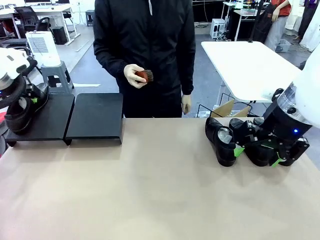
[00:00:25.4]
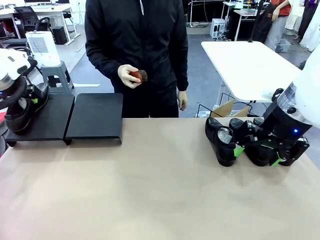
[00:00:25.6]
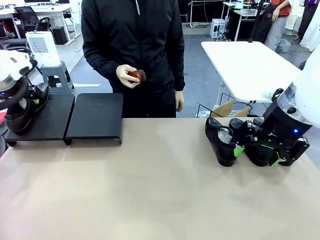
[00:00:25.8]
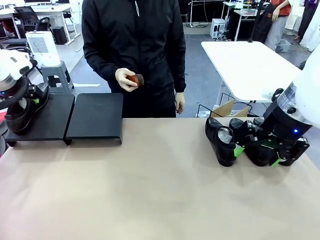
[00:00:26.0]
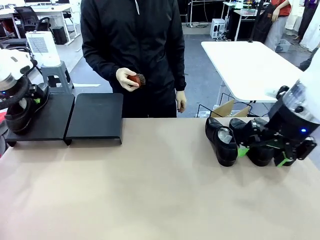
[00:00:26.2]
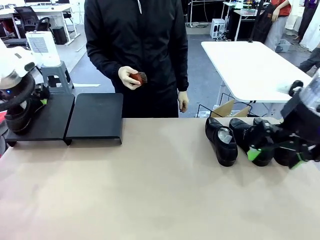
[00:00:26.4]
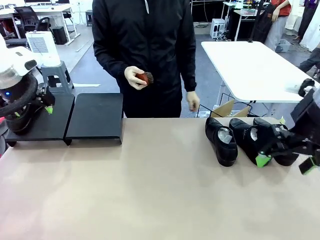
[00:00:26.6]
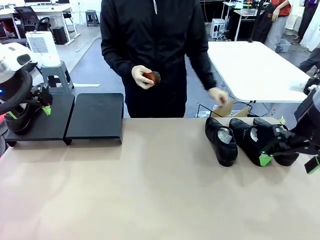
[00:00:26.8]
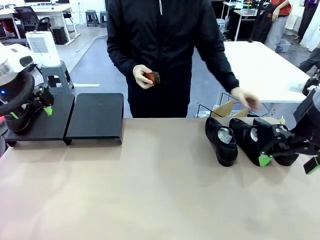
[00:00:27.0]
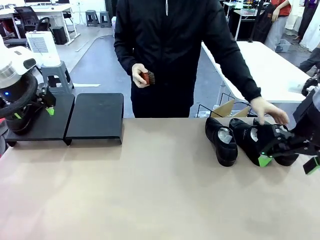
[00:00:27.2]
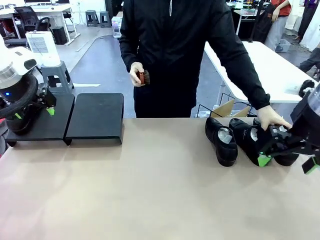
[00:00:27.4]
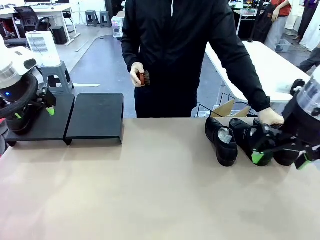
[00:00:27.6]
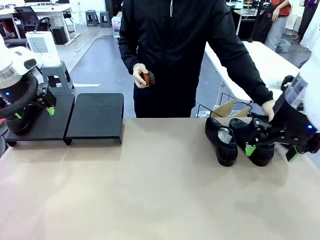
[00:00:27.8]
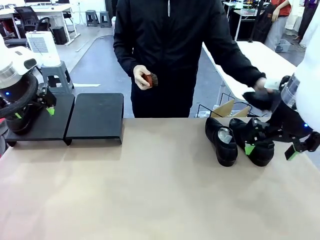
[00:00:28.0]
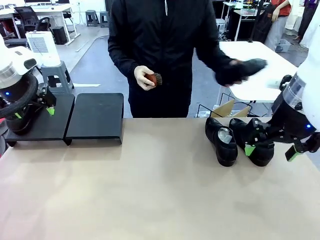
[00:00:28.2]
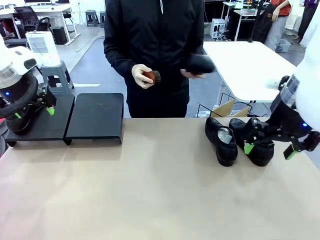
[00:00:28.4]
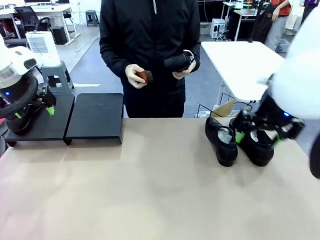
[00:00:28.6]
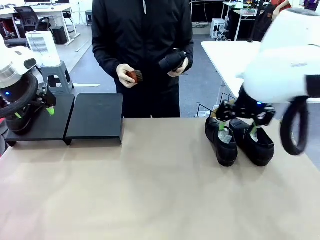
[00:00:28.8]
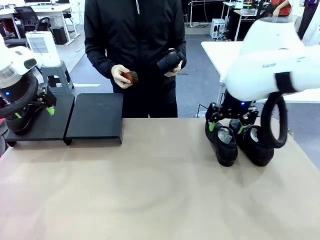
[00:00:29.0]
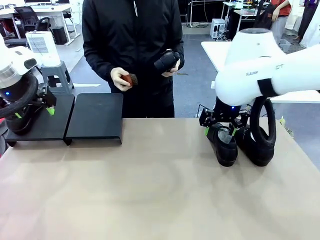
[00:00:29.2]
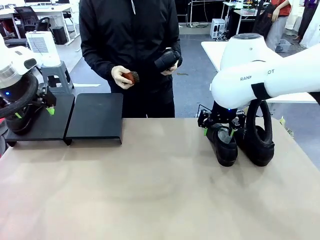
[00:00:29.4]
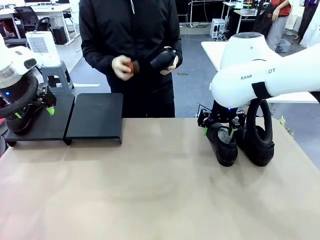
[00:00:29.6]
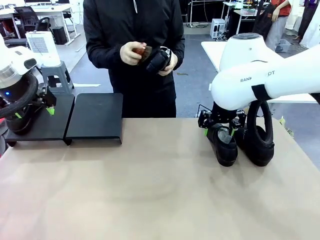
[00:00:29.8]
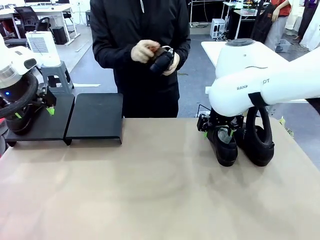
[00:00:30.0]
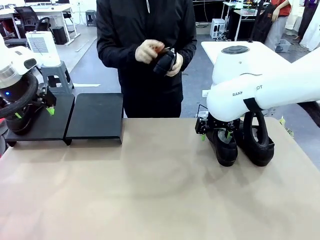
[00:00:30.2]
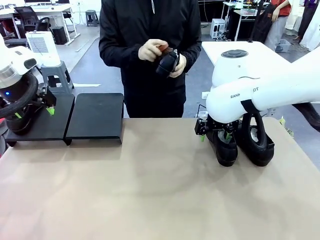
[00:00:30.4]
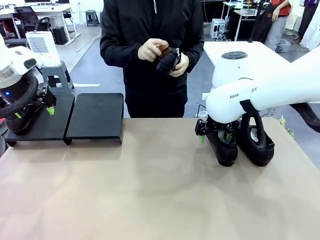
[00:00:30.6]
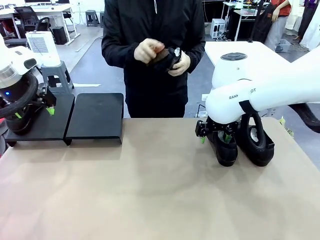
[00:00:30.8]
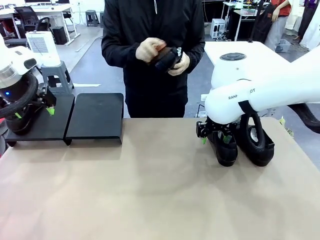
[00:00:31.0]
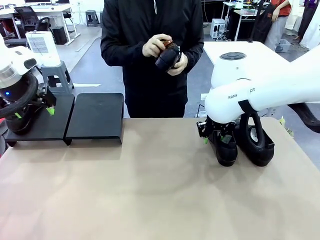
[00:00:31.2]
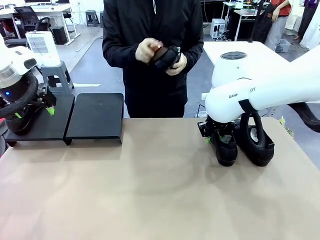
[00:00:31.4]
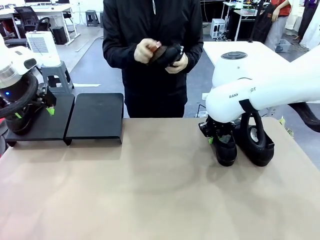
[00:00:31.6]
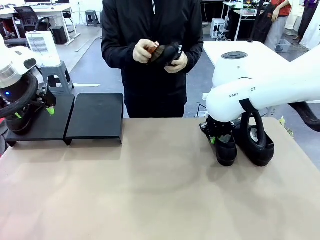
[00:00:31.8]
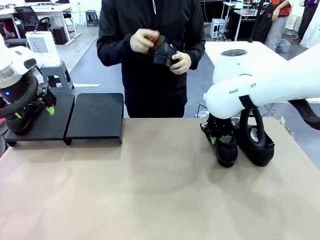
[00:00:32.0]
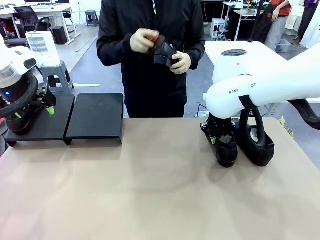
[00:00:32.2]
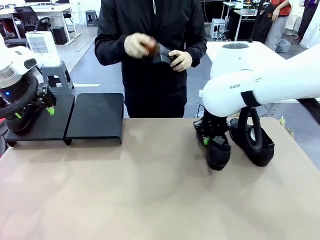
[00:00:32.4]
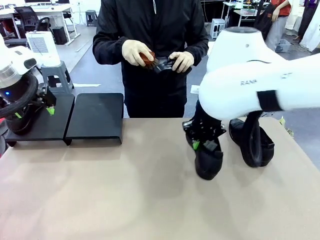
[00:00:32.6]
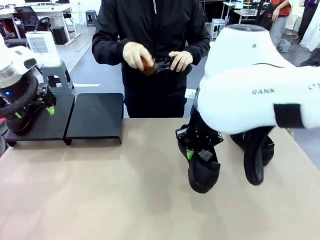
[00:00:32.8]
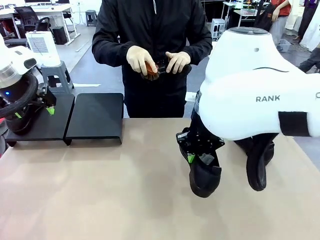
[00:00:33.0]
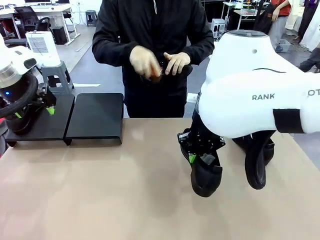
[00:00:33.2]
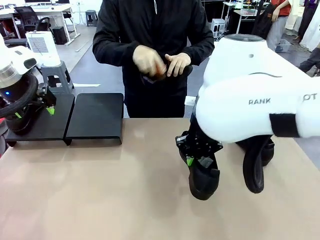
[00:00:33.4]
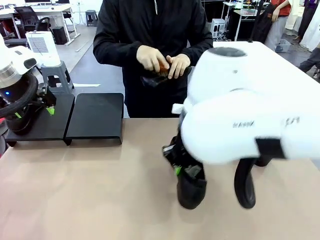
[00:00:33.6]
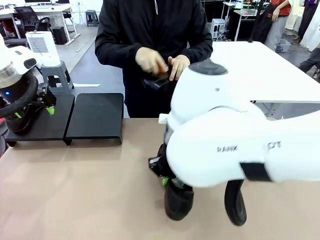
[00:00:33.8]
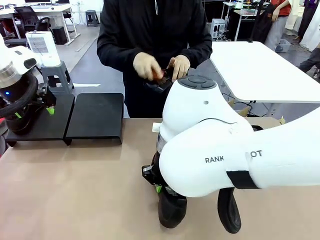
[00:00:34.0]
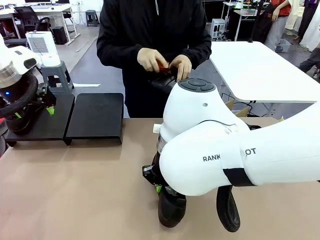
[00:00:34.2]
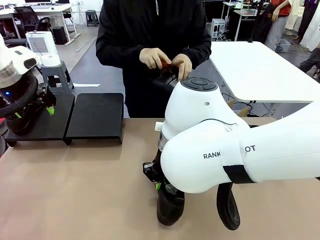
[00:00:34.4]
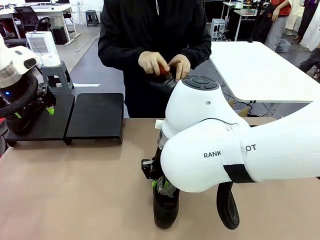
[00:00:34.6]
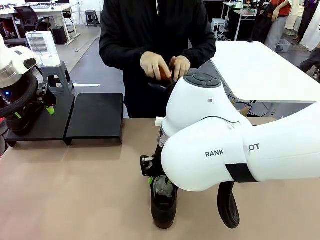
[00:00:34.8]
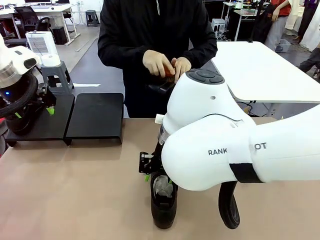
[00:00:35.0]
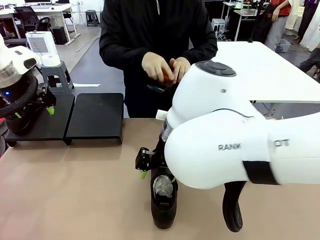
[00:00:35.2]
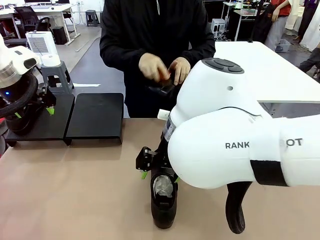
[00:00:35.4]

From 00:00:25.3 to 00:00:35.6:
Task: Organize the shoes by placing them on the stand.
Robot: Pick up one Shoe and place it in the middle of the table.
Person: Pick one Shoe on Robot's table.

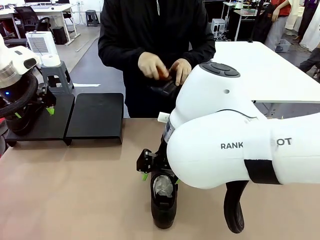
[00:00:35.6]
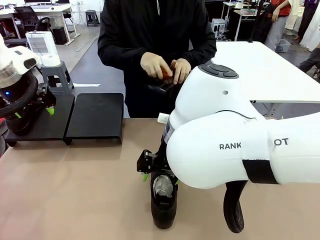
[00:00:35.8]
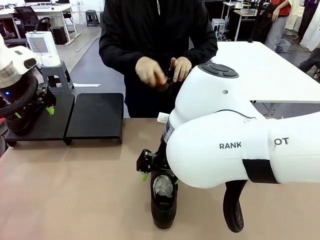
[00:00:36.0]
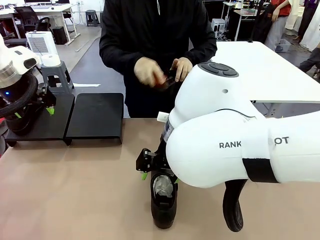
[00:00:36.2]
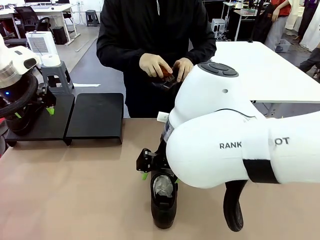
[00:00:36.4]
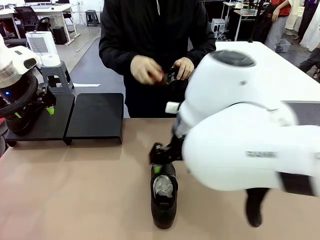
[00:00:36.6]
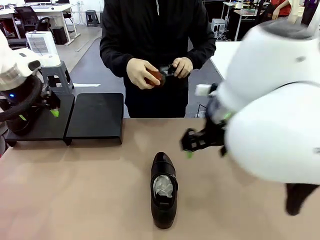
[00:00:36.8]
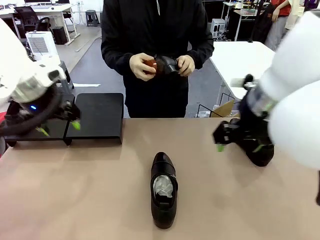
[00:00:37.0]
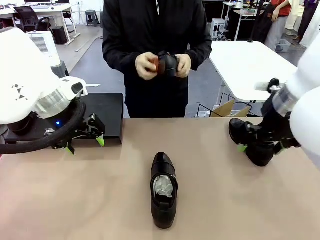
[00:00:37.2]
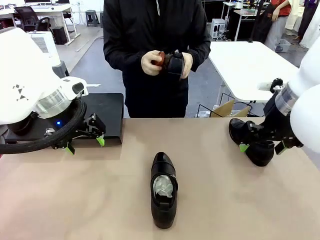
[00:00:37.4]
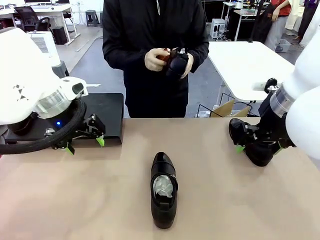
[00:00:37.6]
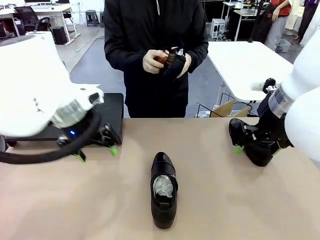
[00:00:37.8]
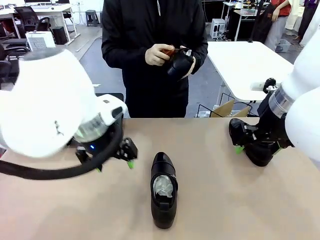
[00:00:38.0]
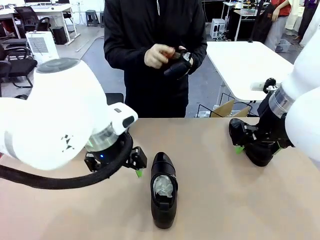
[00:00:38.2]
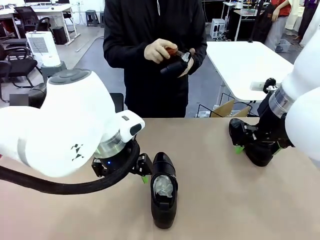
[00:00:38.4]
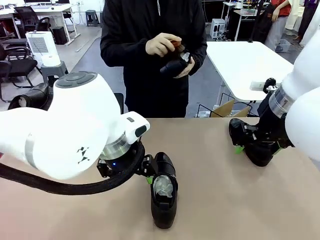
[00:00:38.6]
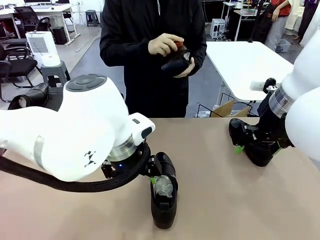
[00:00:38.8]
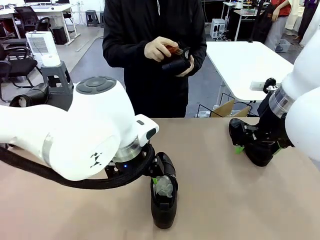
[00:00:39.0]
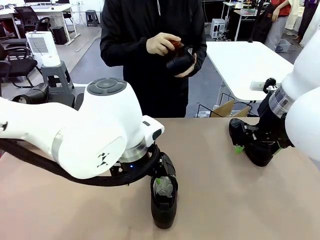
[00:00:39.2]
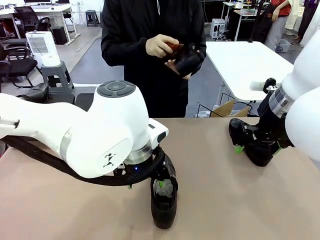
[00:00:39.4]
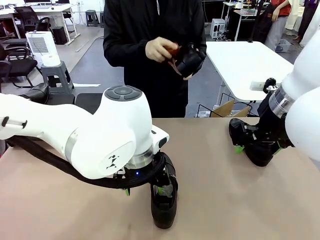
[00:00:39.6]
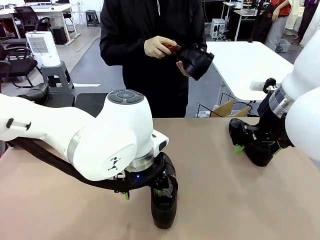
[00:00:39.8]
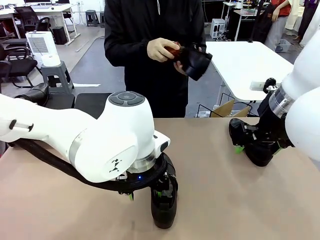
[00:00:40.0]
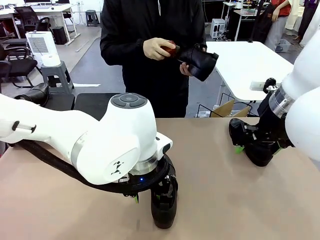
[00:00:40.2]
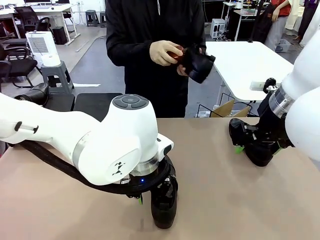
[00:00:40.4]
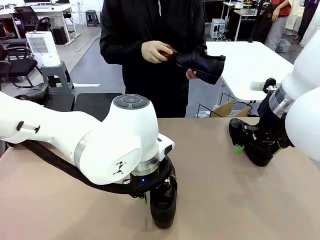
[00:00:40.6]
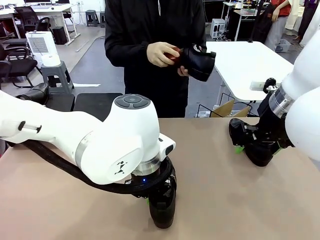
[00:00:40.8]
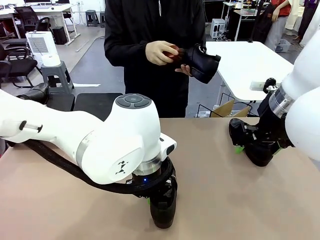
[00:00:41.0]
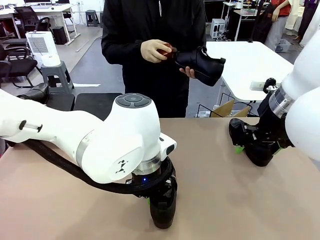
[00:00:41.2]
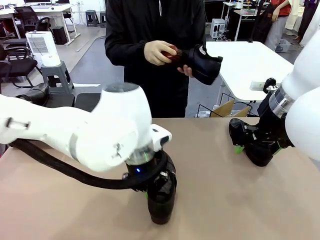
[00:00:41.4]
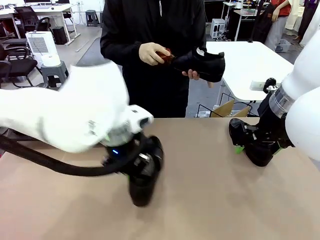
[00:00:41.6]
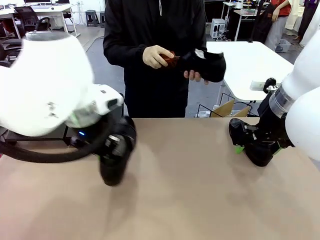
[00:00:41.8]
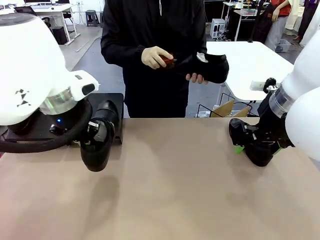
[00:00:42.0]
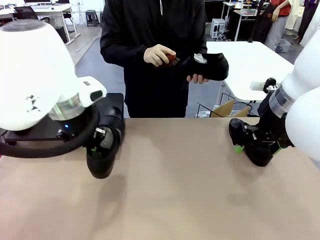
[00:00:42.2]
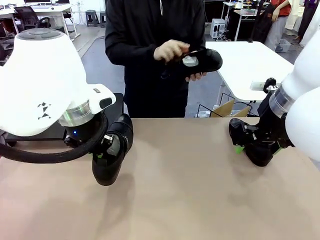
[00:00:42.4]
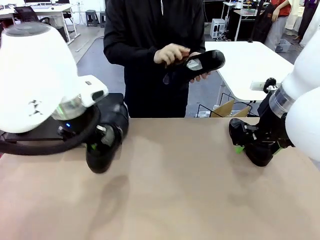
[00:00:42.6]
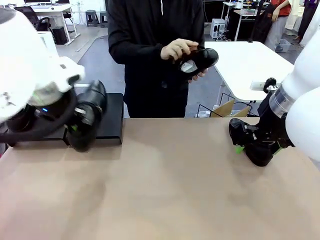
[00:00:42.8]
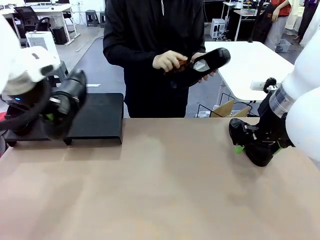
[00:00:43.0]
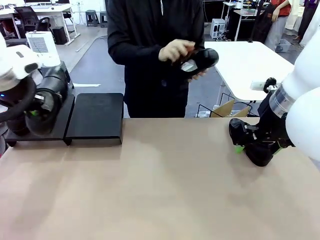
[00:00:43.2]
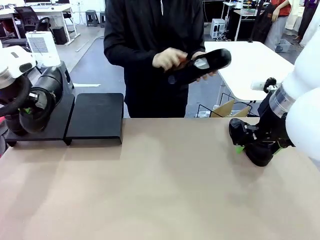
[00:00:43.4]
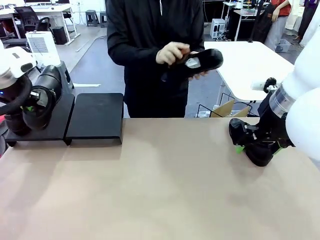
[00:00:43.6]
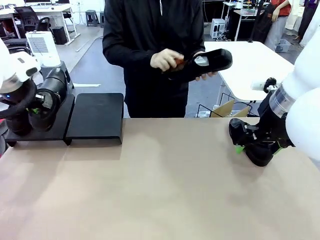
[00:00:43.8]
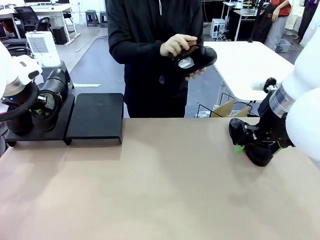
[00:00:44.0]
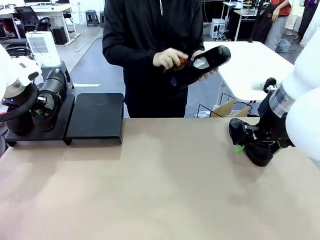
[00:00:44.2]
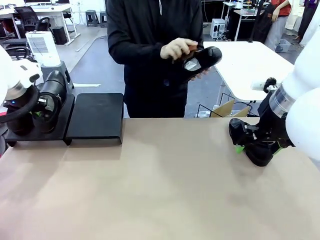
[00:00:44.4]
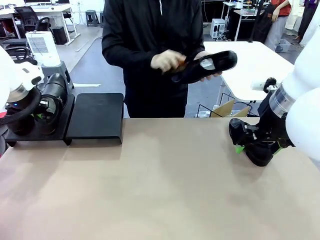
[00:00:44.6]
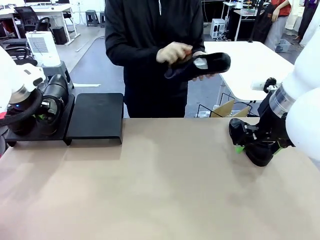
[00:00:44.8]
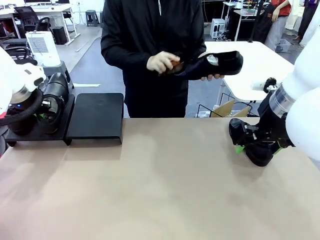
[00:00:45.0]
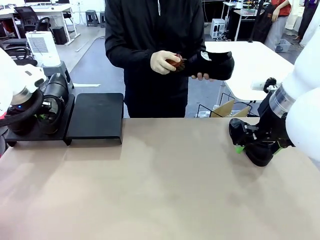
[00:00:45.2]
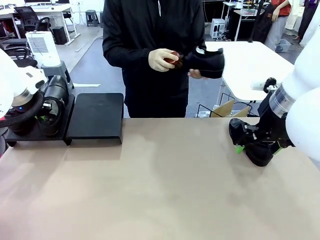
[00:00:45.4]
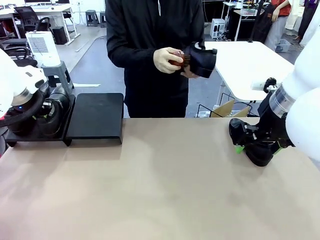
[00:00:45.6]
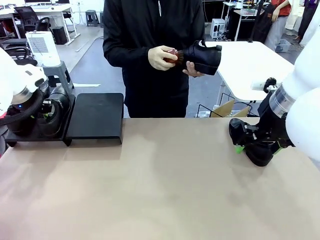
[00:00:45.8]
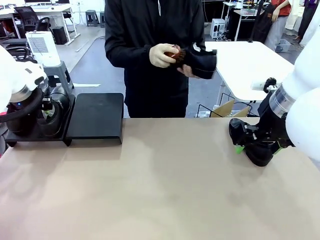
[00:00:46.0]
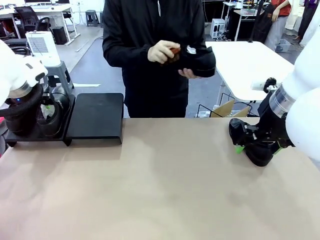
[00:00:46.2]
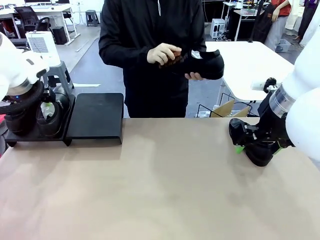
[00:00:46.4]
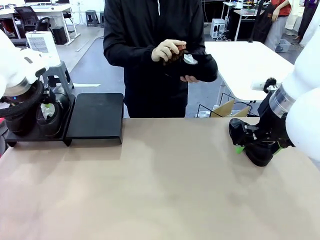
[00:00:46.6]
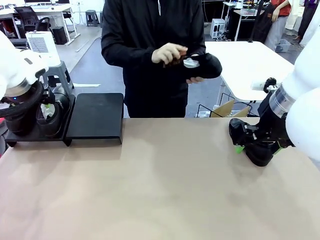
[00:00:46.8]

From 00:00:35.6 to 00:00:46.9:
Robot: Place the Shoe from the middle of the table onto the Shoes Stand.
Person: Clean the Shoe with the Shoe Brush.
